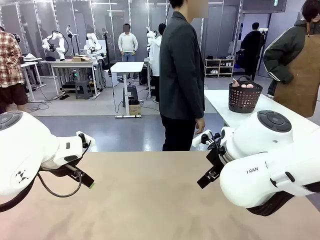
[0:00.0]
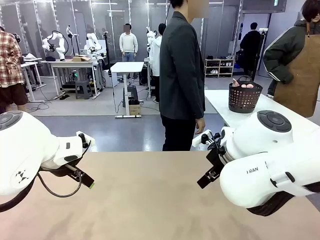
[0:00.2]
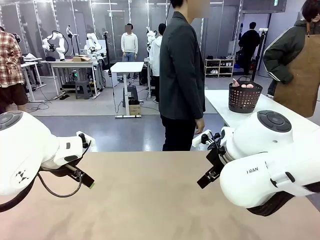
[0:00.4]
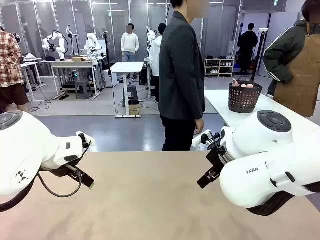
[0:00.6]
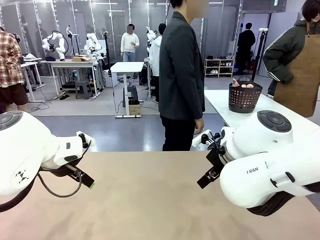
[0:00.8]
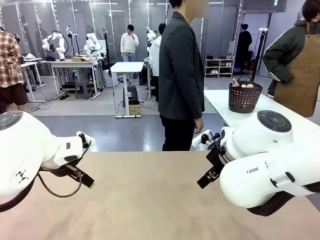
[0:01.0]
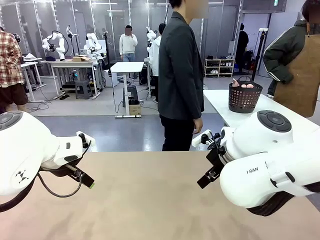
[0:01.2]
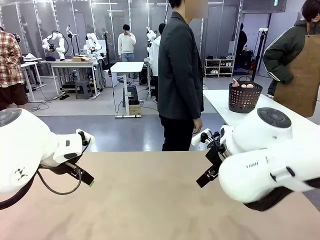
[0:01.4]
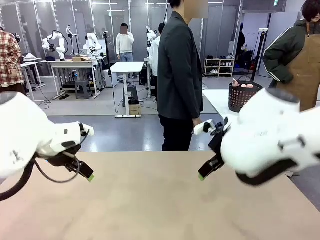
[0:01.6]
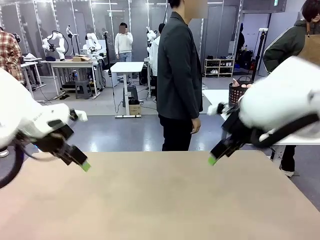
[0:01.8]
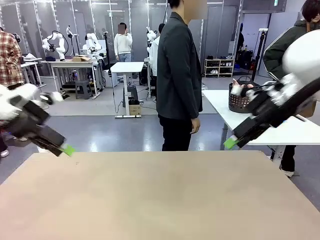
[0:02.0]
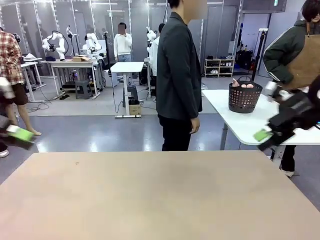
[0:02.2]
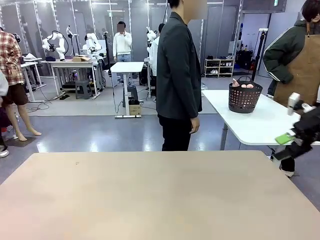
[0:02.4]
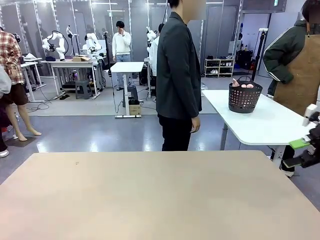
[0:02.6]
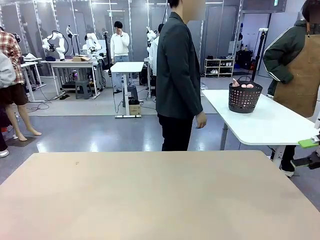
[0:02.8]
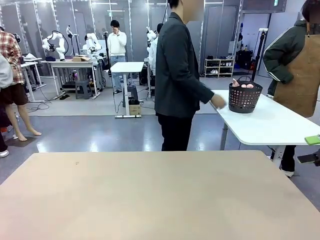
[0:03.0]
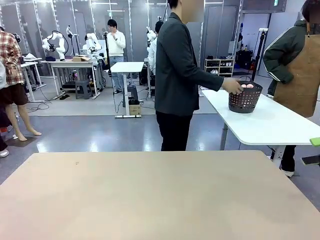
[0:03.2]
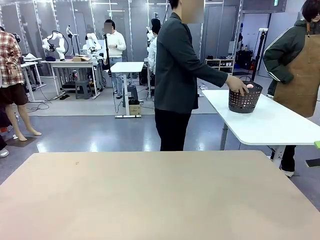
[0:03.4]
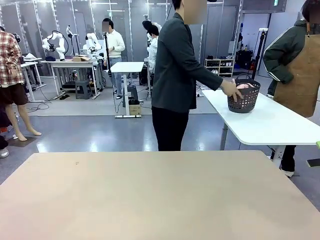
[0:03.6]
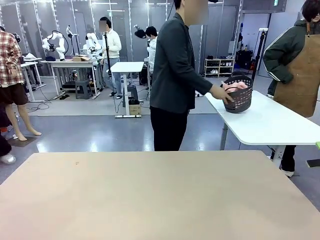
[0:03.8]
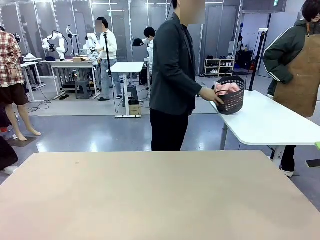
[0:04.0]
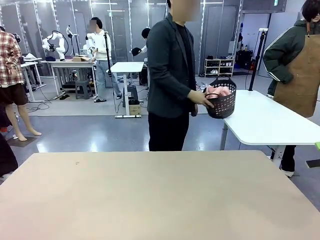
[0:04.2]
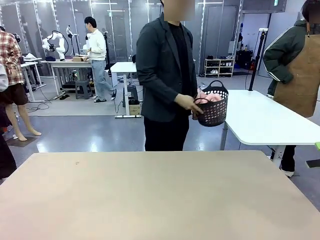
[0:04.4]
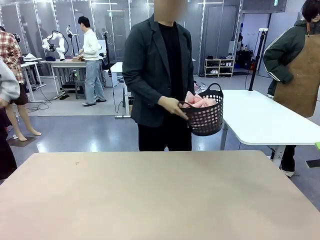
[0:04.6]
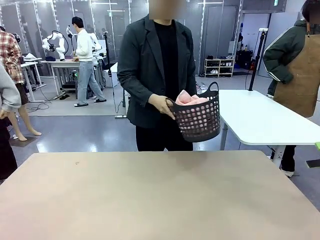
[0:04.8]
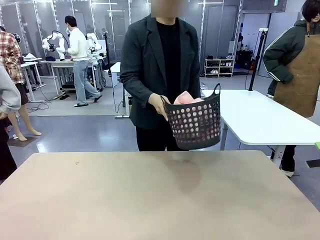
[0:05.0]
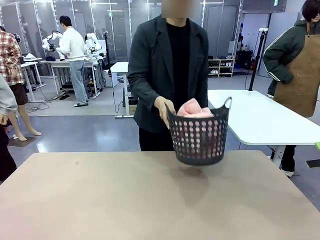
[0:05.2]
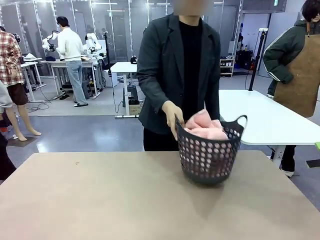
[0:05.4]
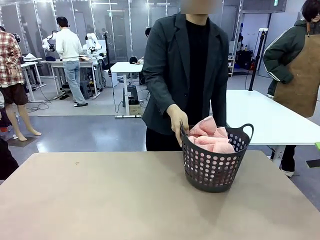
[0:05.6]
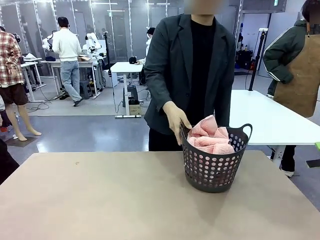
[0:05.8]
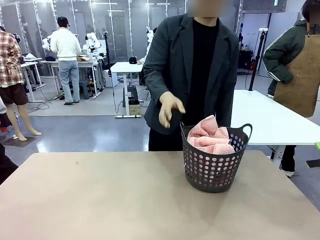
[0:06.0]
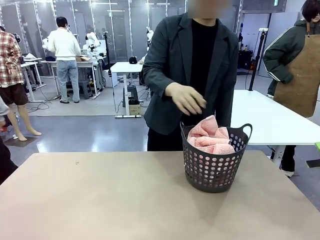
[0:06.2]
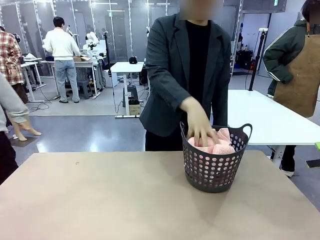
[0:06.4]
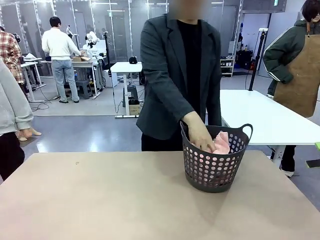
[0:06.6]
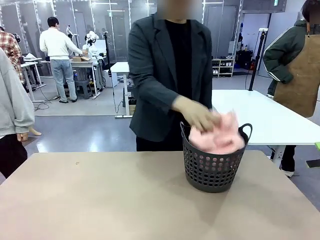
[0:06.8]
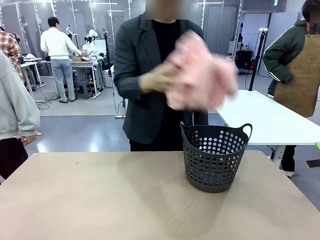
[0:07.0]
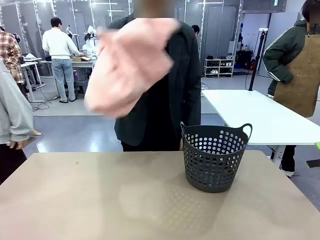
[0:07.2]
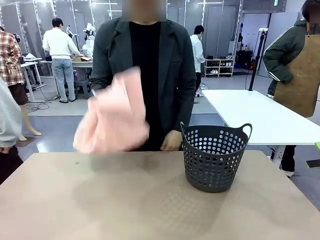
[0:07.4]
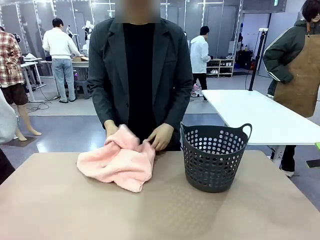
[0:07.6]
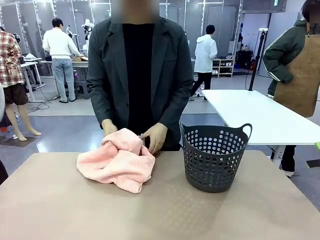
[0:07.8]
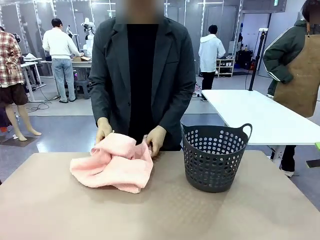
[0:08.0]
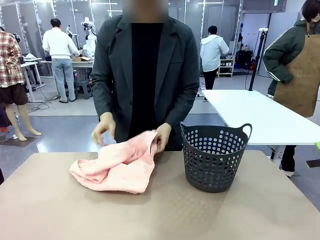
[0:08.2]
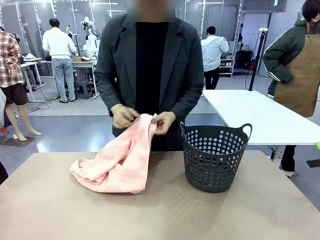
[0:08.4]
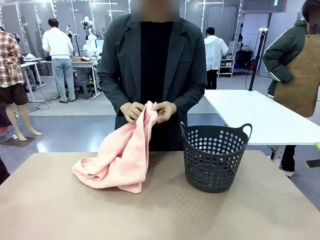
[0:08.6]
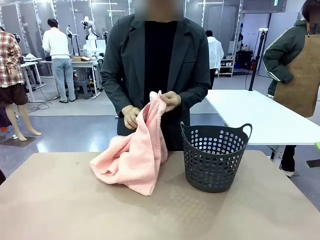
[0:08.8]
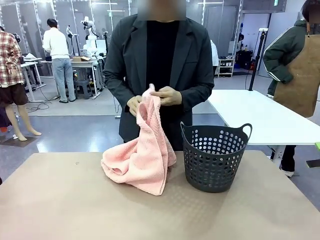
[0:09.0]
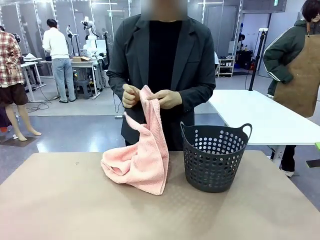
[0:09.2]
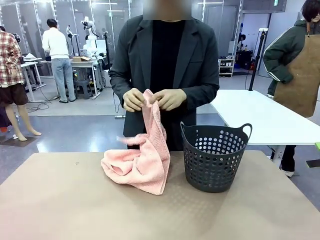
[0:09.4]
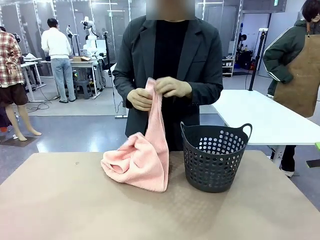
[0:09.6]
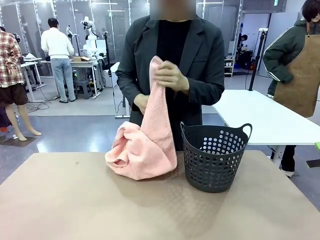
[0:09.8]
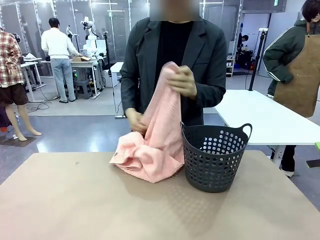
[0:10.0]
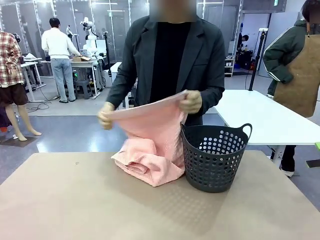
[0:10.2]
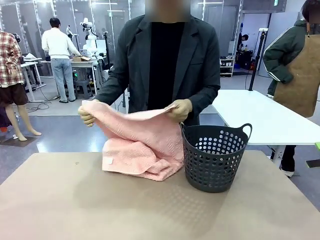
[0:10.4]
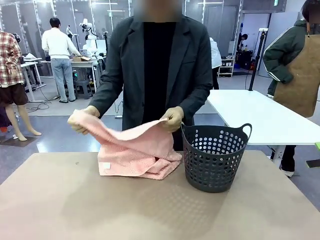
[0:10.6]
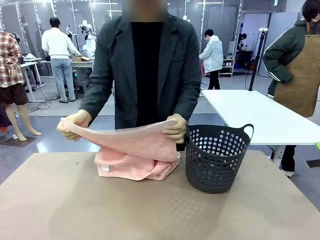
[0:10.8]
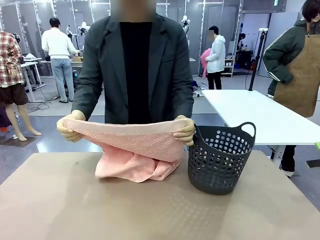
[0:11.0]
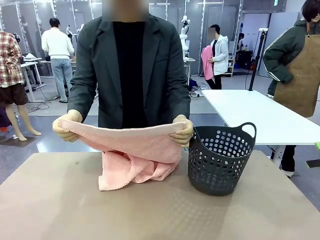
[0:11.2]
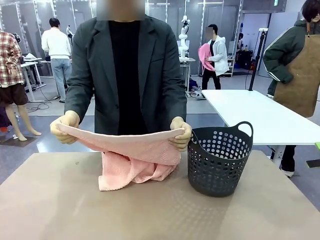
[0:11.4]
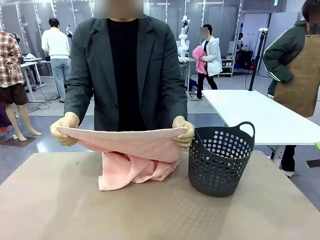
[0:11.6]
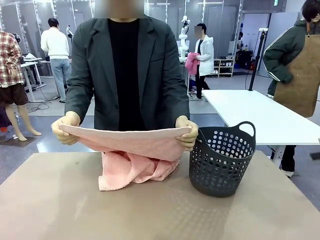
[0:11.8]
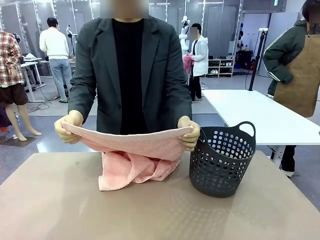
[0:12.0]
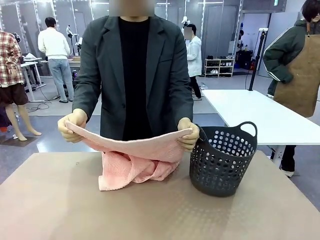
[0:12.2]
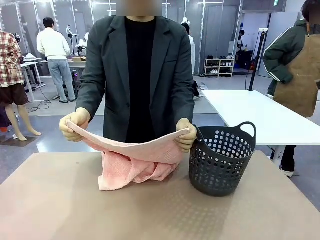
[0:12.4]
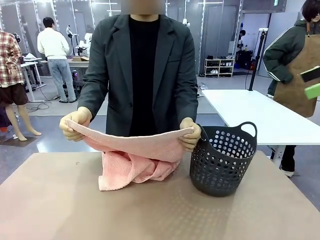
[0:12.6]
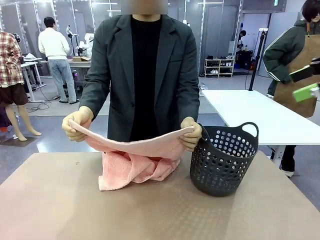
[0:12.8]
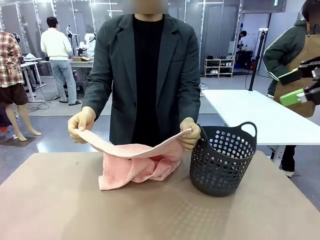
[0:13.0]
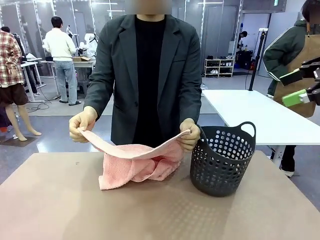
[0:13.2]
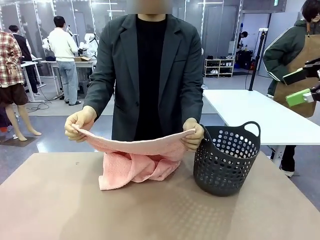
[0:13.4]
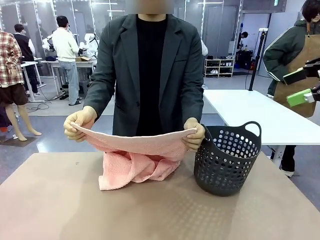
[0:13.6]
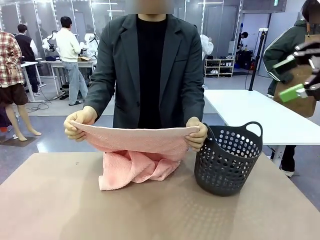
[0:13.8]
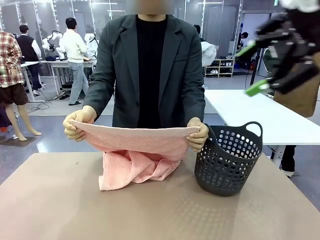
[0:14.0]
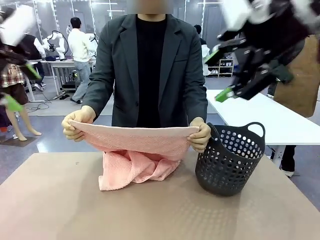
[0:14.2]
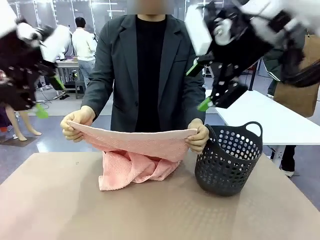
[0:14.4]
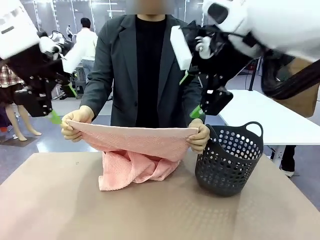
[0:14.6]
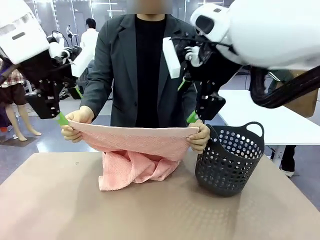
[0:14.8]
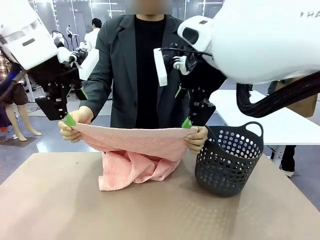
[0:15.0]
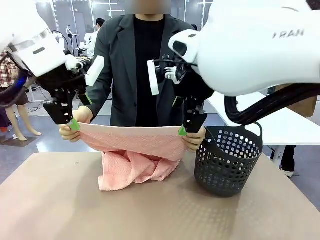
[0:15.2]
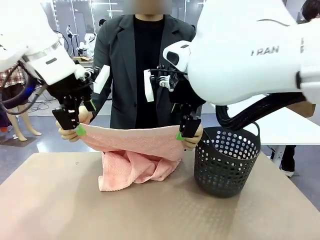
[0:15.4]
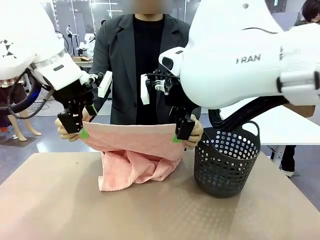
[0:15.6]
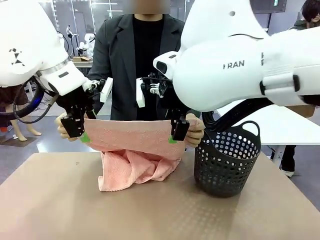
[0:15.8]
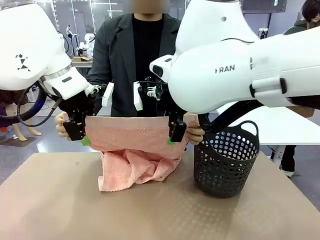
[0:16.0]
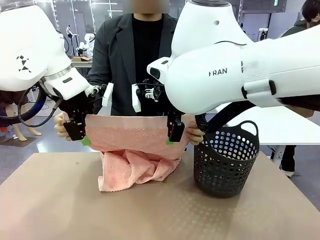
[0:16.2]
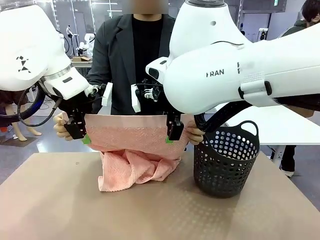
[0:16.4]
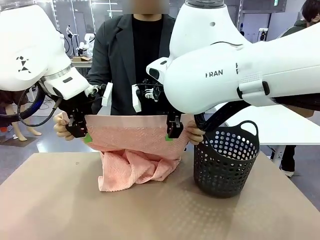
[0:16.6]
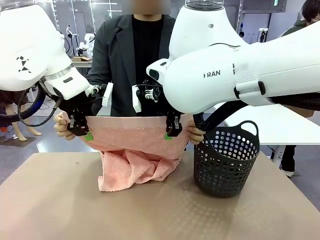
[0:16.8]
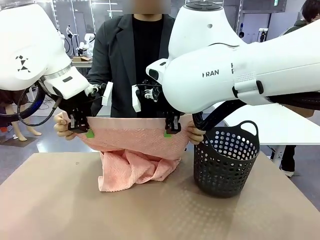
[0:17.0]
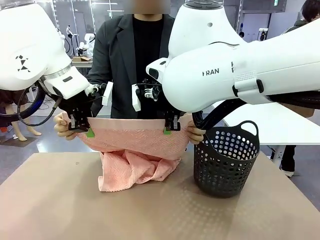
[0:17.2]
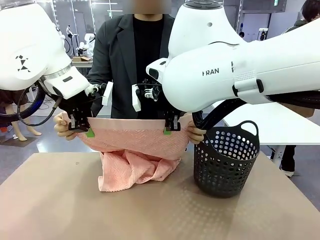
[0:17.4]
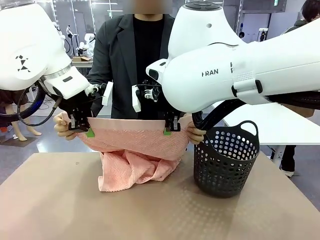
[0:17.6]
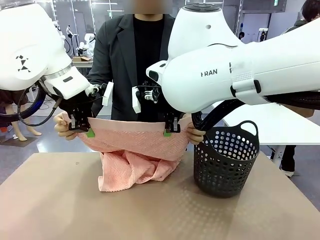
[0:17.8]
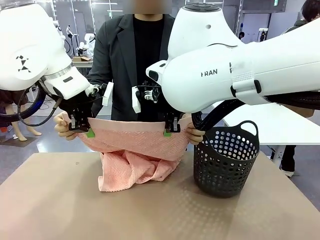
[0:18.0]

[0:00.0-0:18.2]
Task: Fold the towel.
Robot: Grab the top end of the 100 cm Hotel Towel extended by the human.
Person: Pick up the laundry basket, place it on the left side of the robot table, then take out a towel and hand it to the robot while holding both corners of one end.
